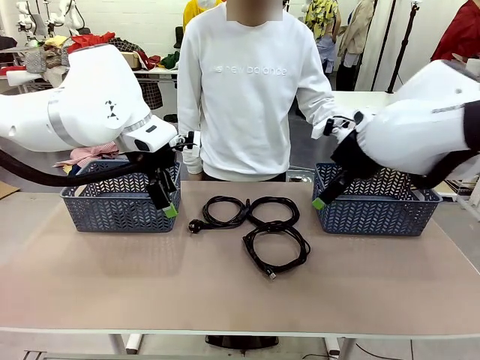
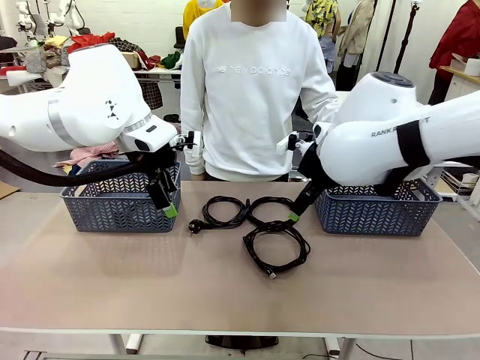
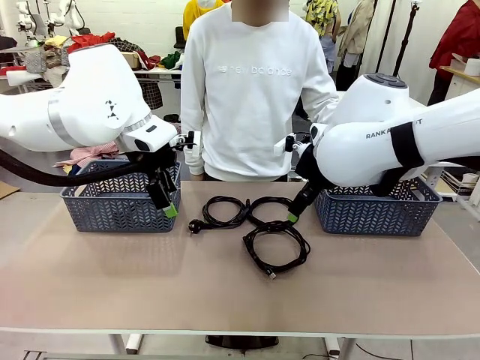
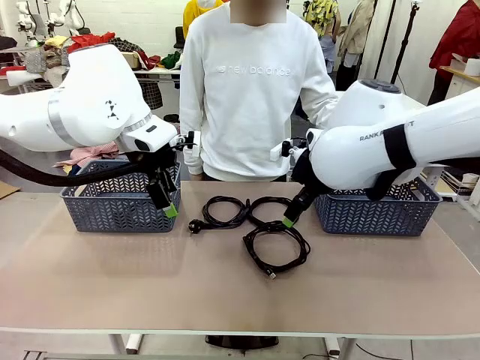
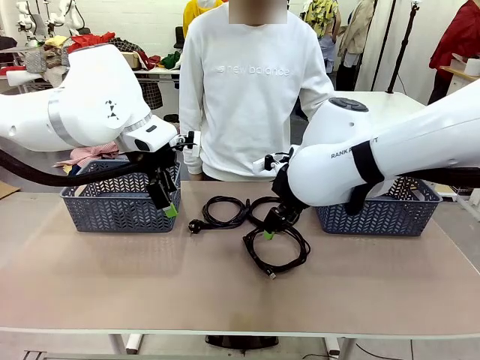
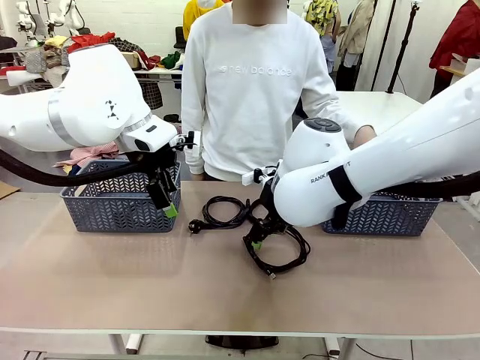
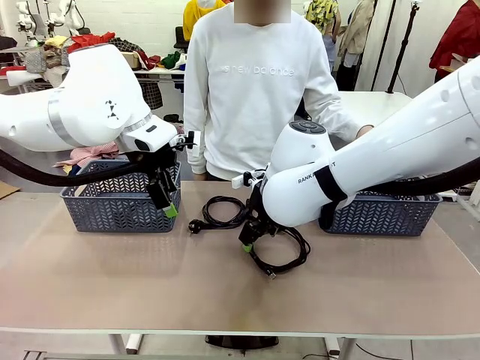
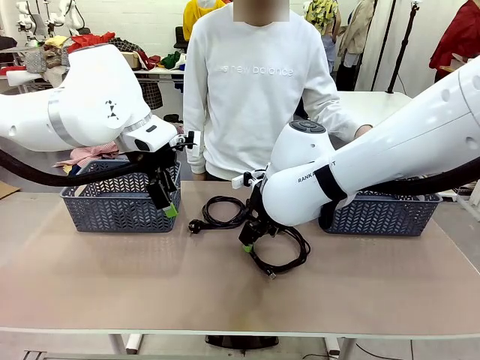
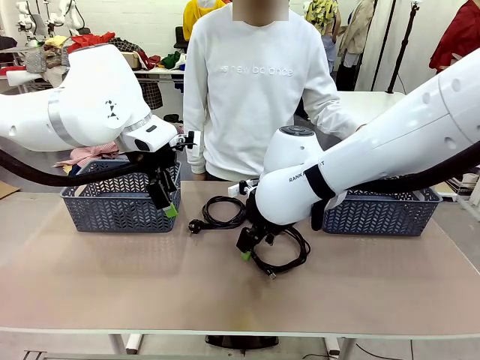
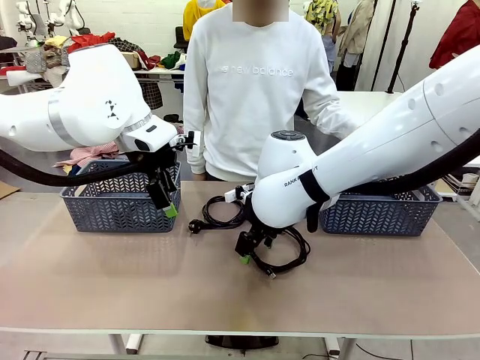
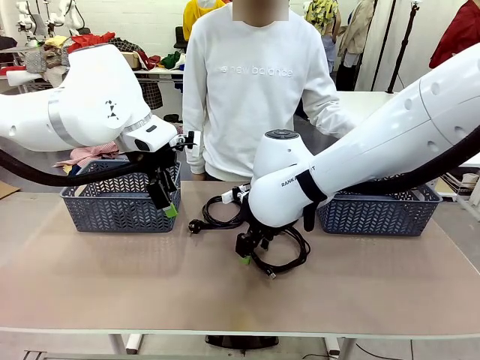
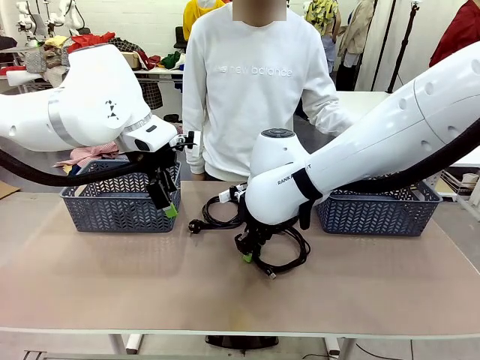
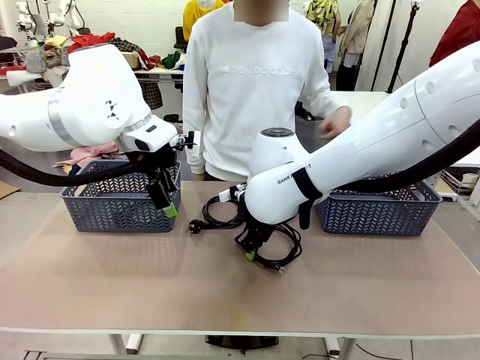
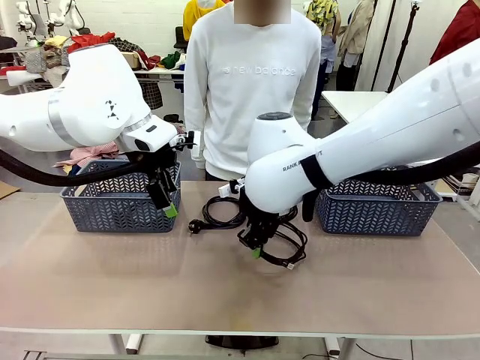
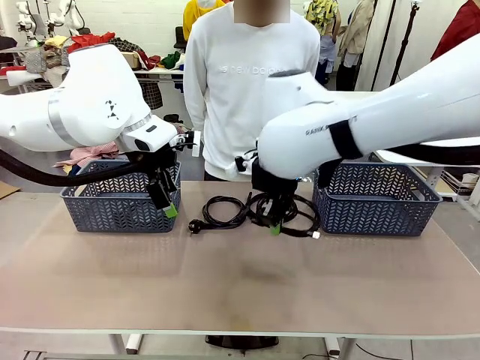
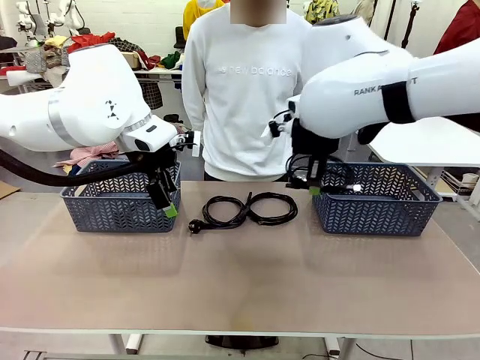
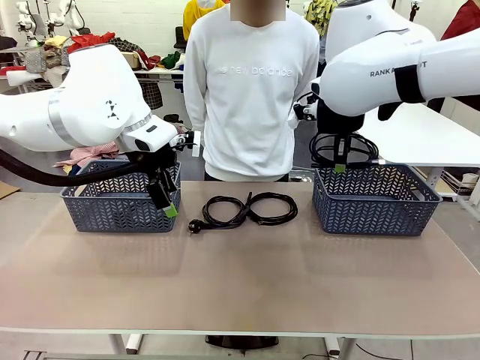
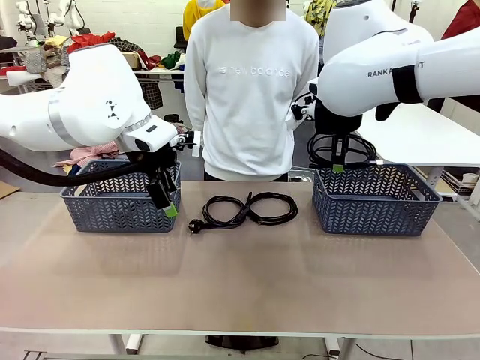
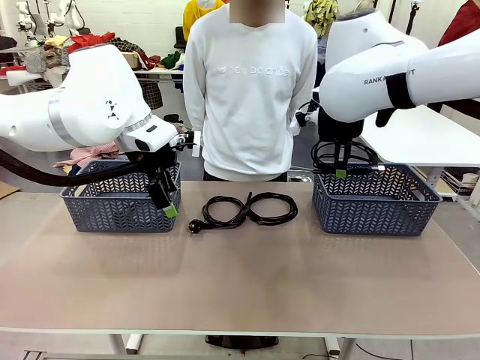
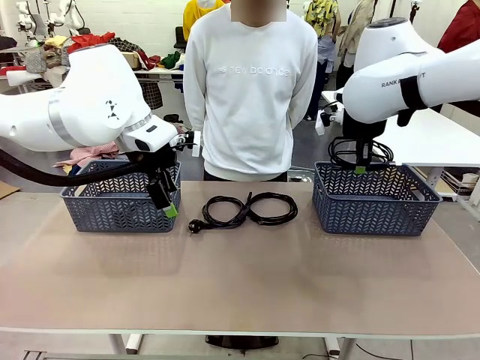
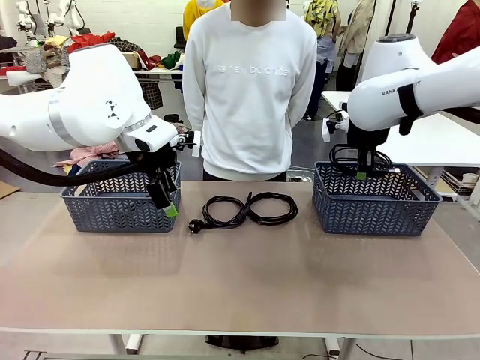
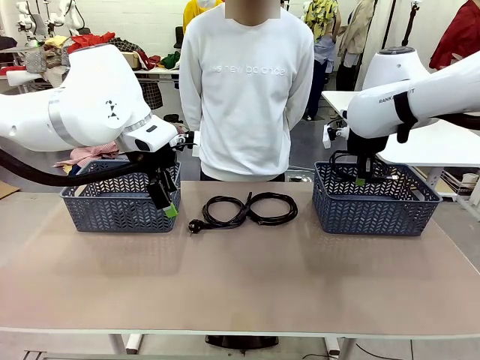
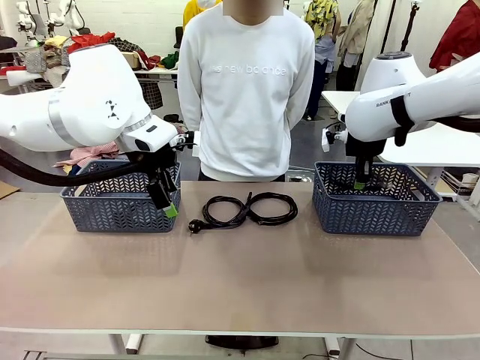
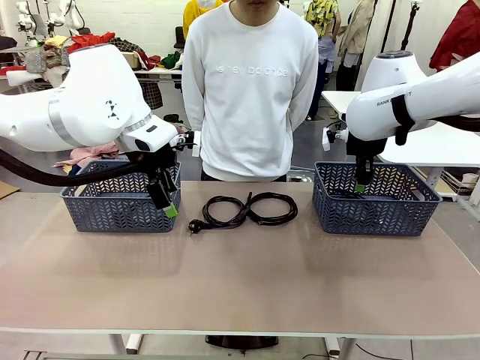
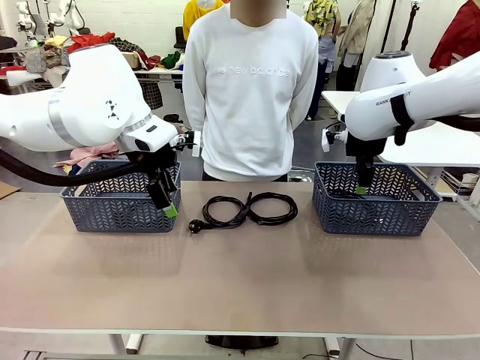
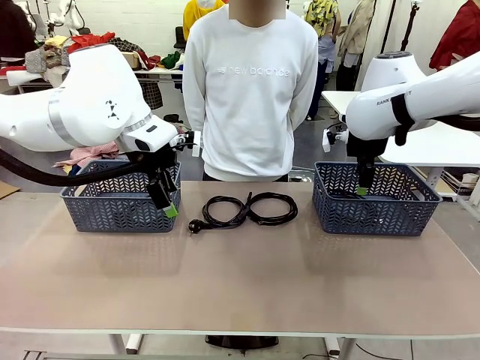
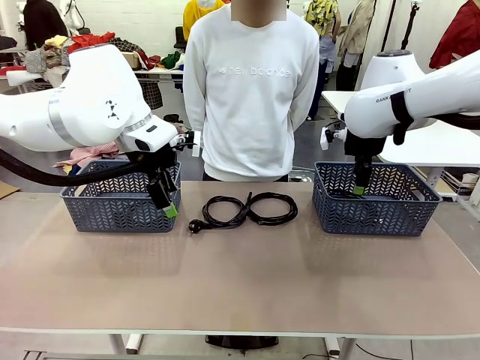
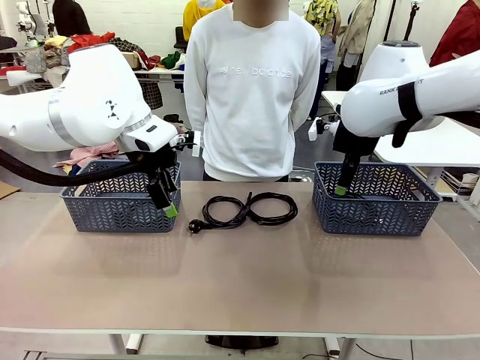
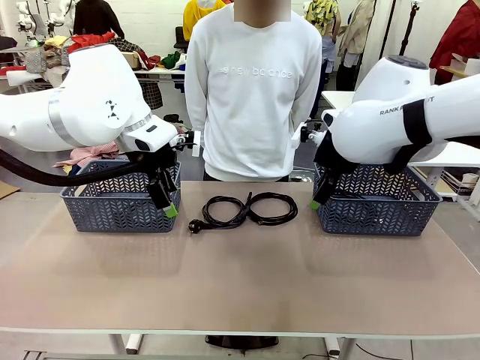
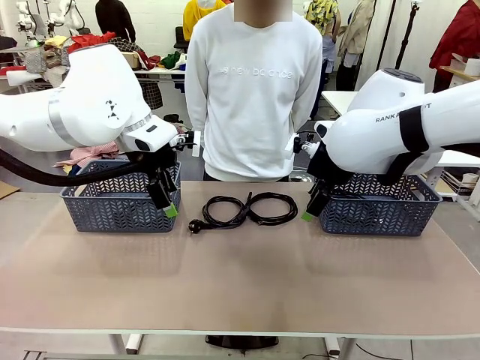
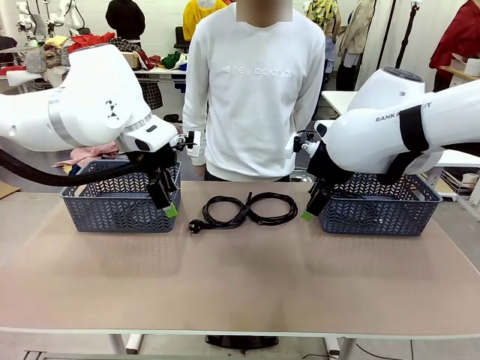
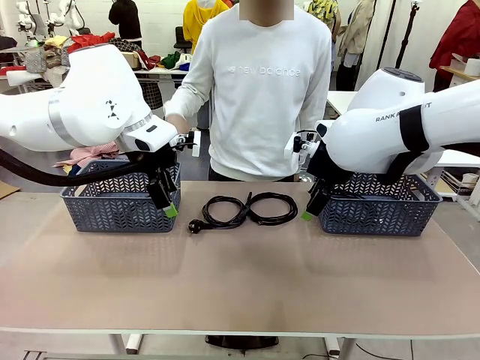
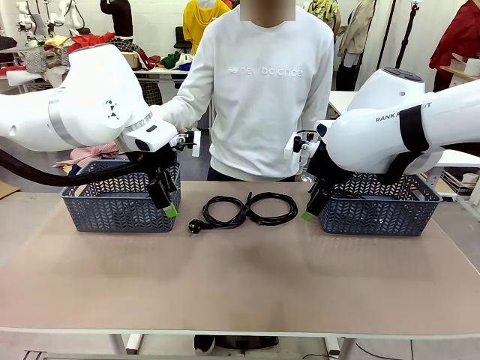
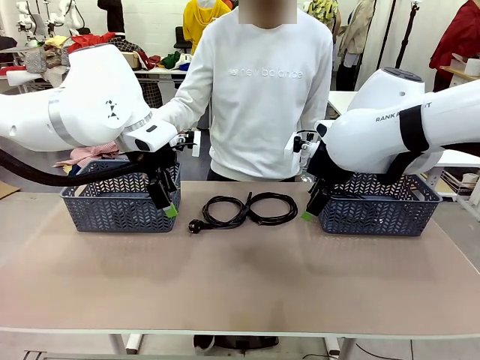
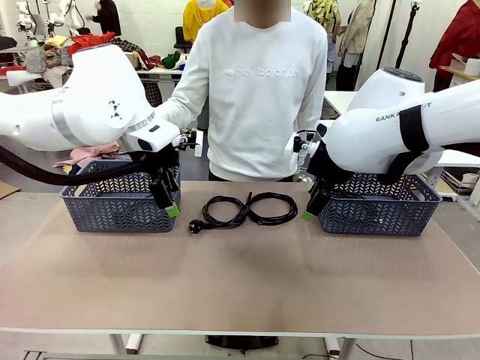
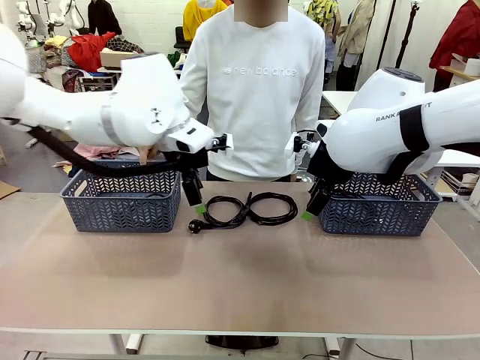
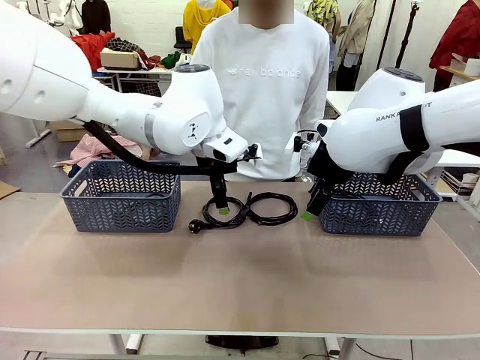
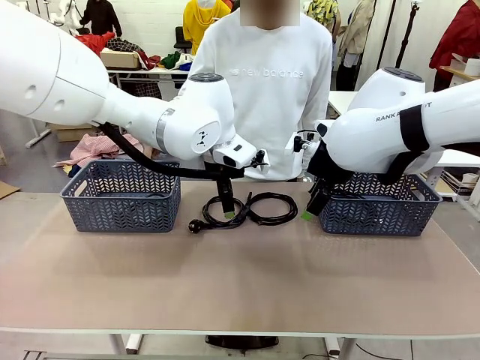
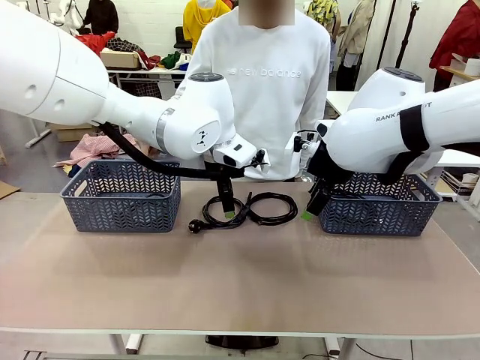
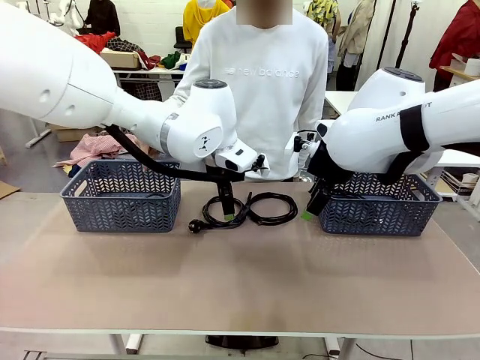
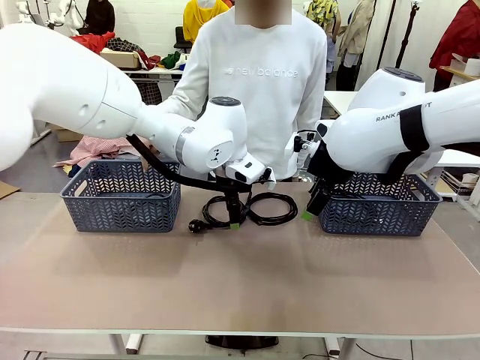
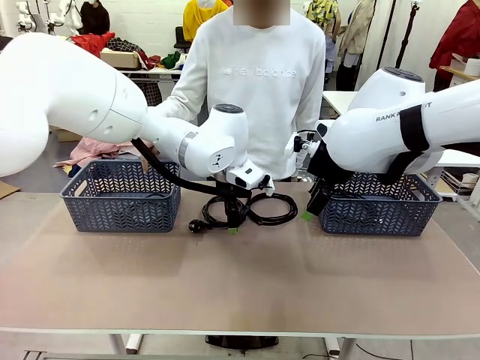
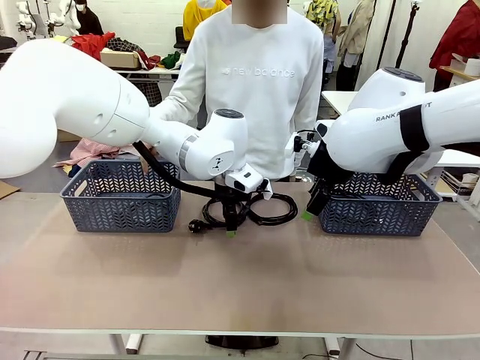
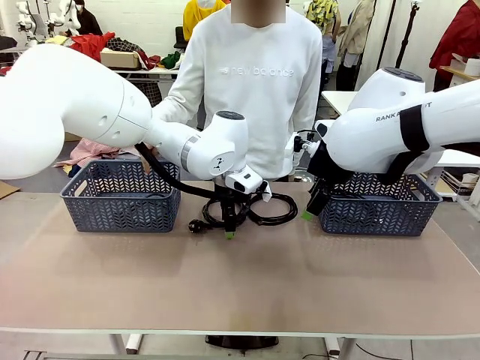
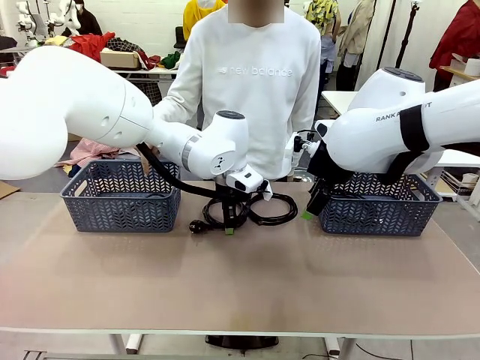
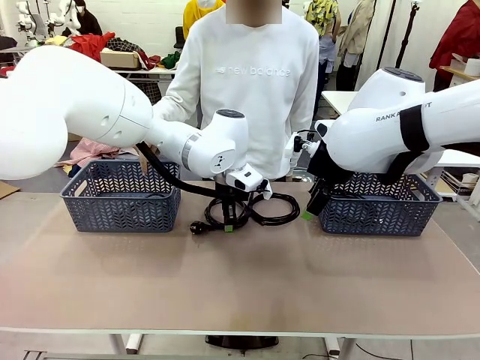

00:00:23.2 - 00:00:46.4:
Task: Organize the cables according to human instructions.
Robot: Pick up a bundle of cables and place it in the basket indicated by the human.
